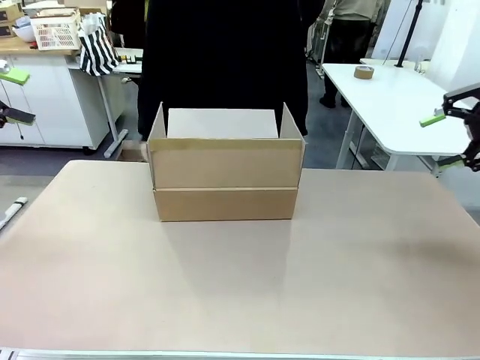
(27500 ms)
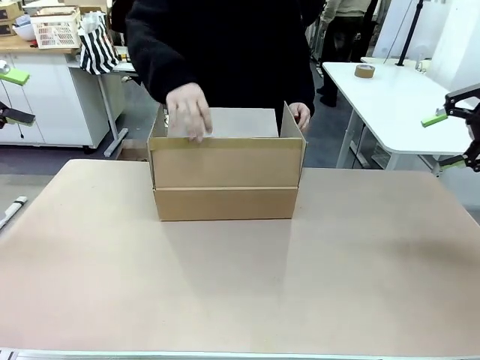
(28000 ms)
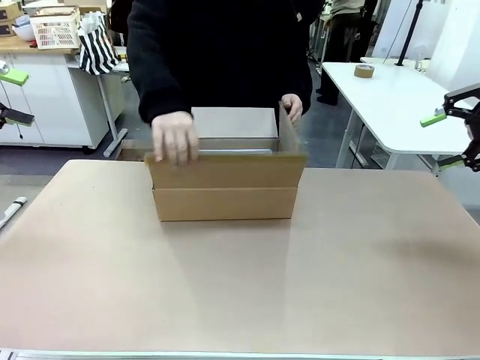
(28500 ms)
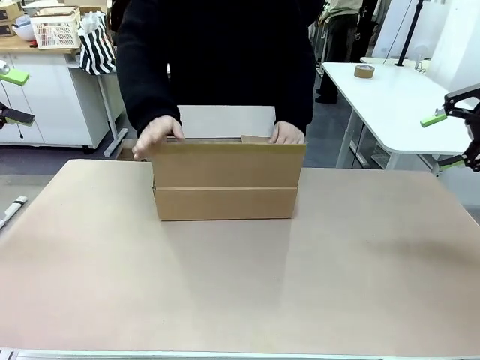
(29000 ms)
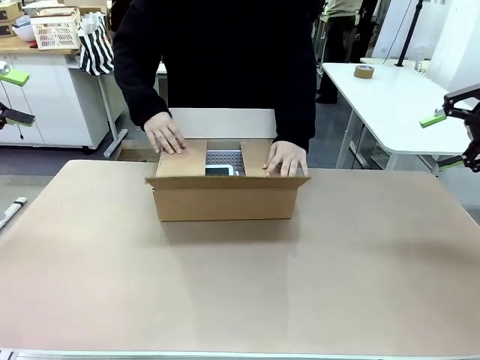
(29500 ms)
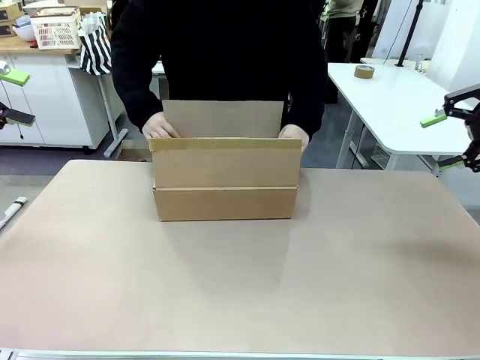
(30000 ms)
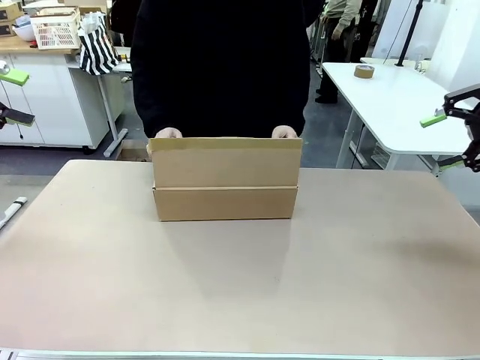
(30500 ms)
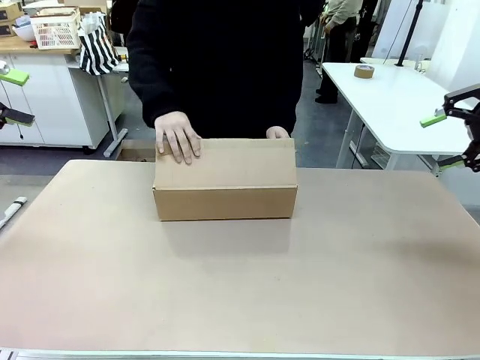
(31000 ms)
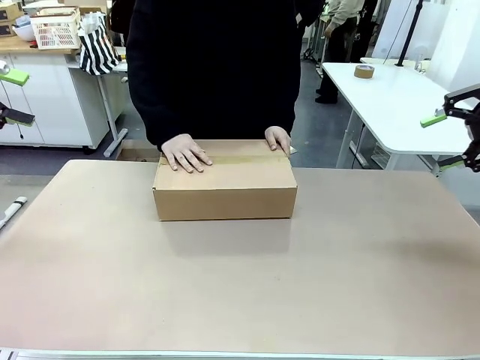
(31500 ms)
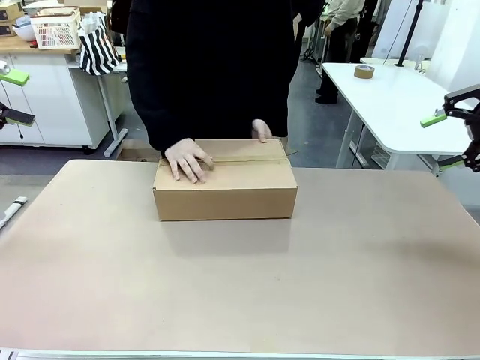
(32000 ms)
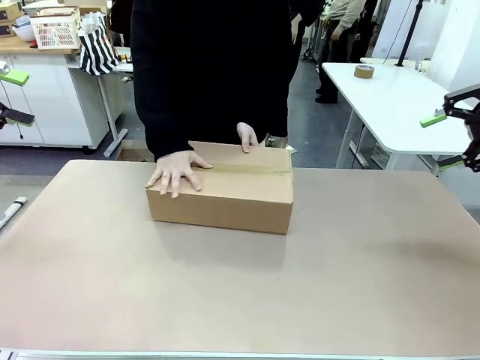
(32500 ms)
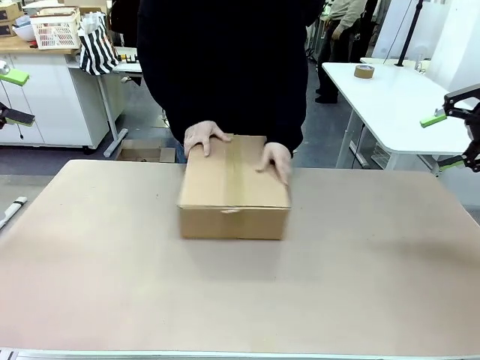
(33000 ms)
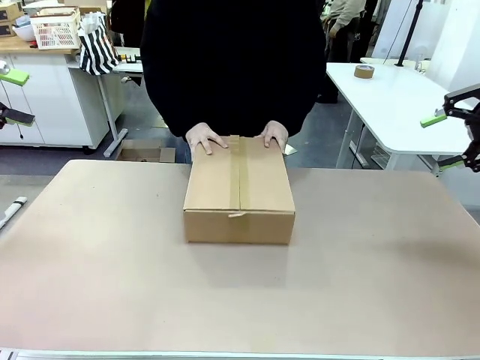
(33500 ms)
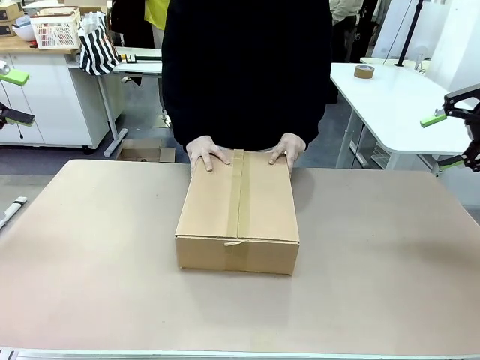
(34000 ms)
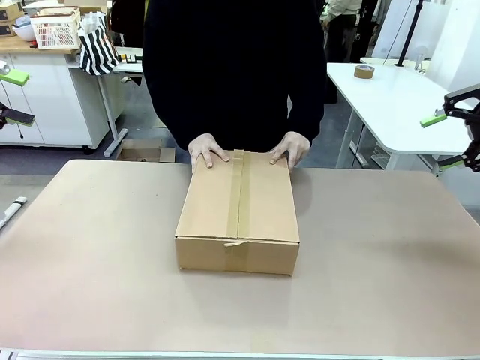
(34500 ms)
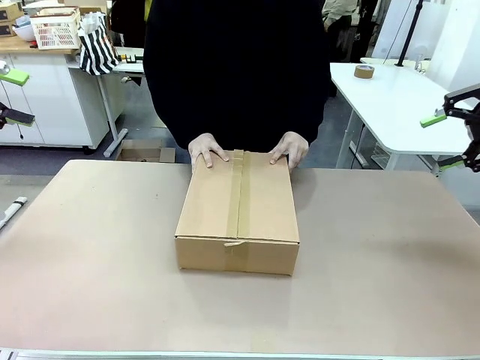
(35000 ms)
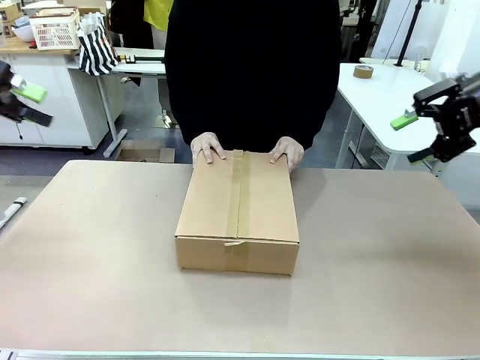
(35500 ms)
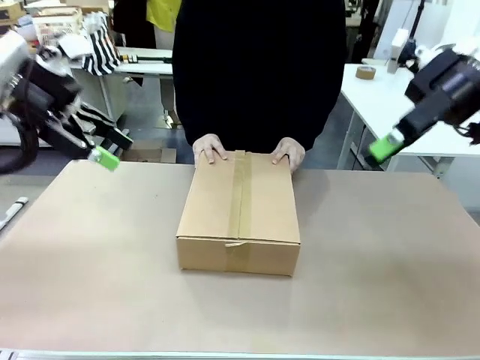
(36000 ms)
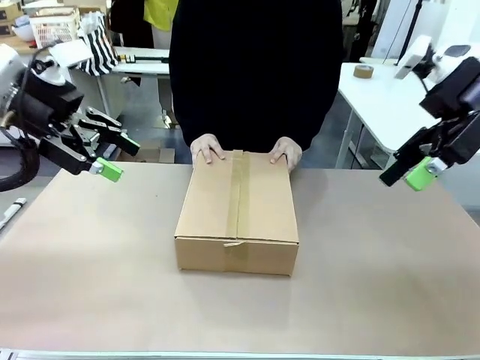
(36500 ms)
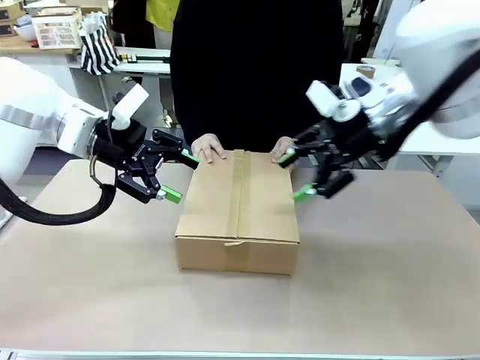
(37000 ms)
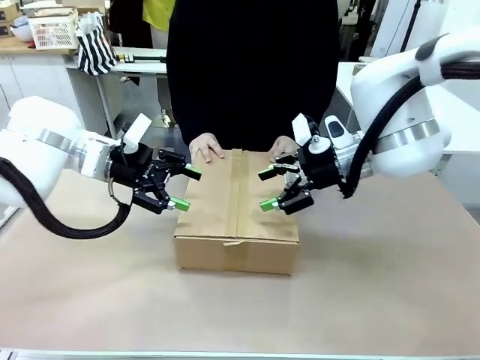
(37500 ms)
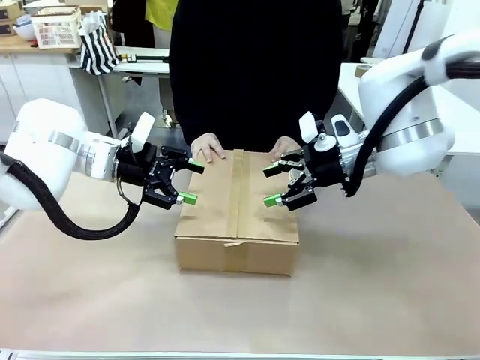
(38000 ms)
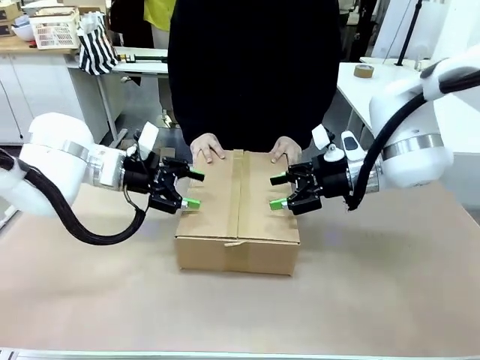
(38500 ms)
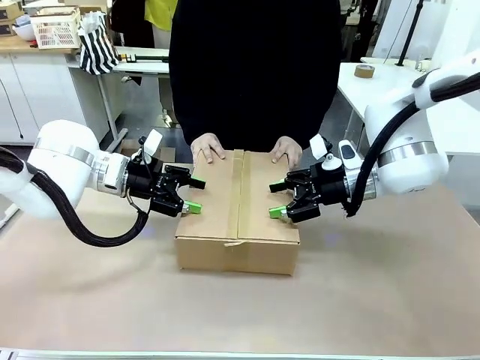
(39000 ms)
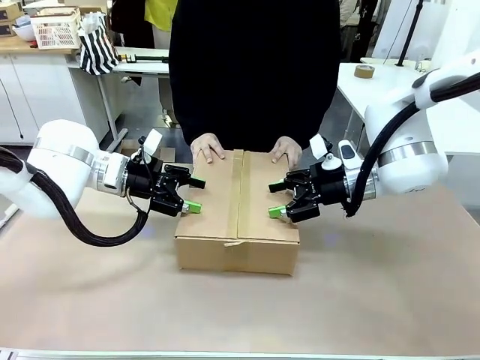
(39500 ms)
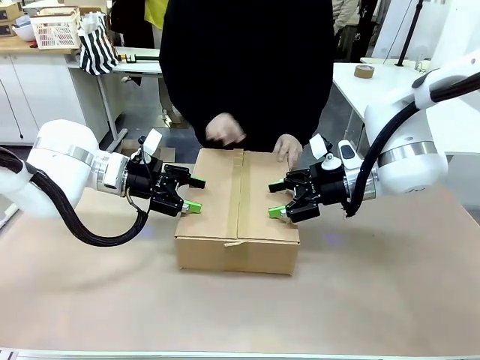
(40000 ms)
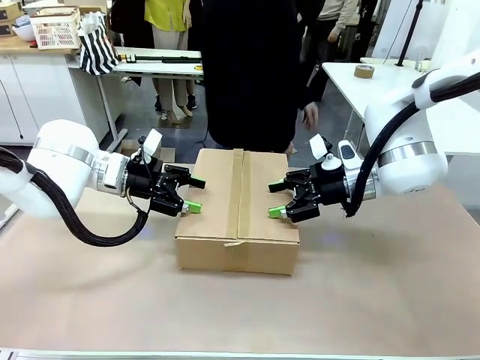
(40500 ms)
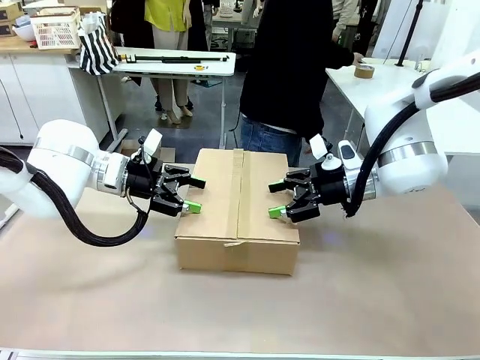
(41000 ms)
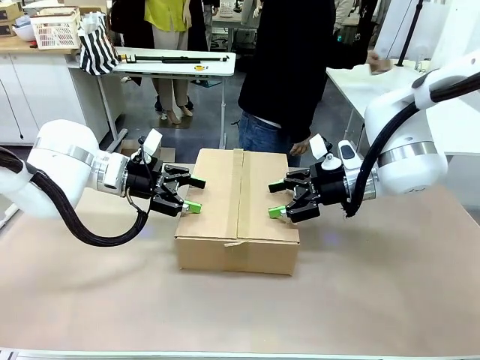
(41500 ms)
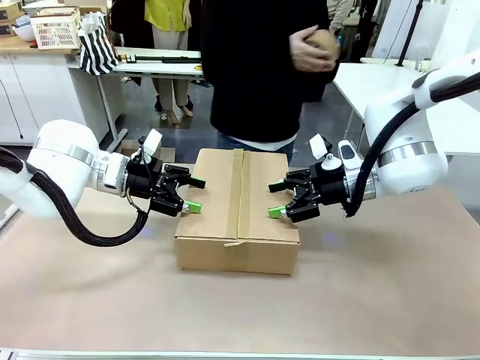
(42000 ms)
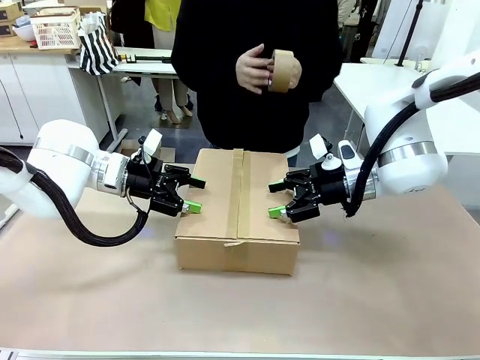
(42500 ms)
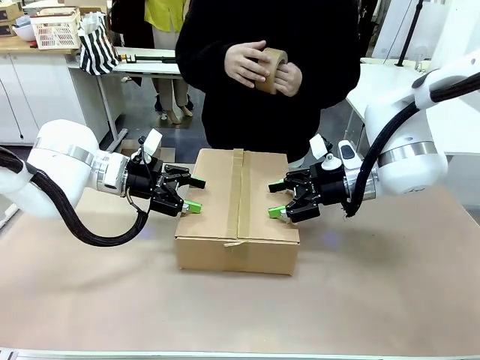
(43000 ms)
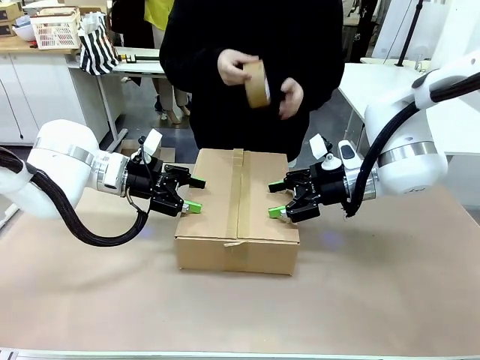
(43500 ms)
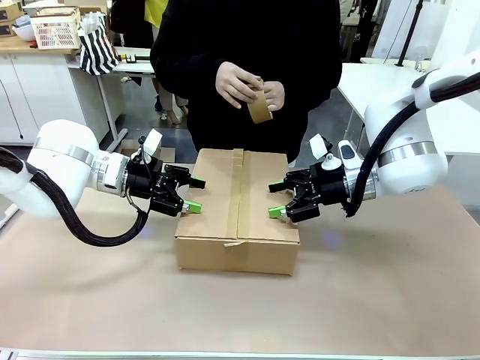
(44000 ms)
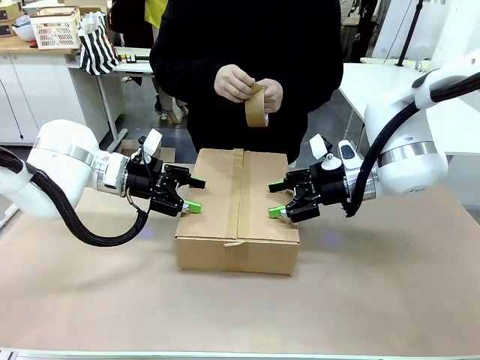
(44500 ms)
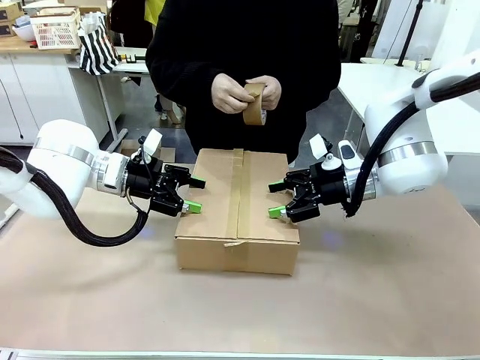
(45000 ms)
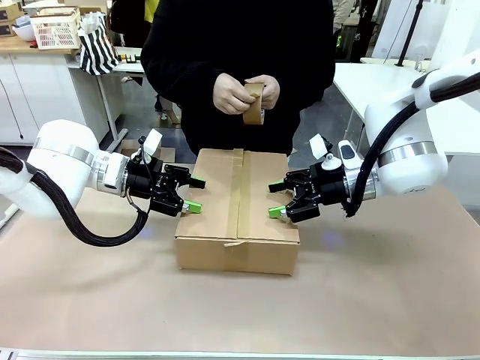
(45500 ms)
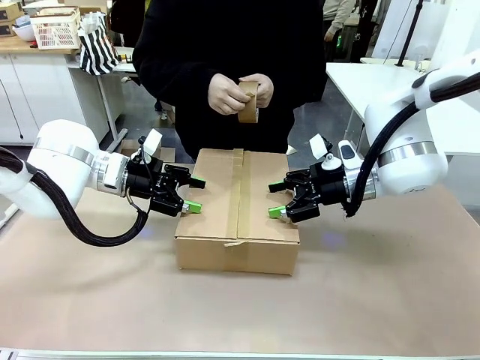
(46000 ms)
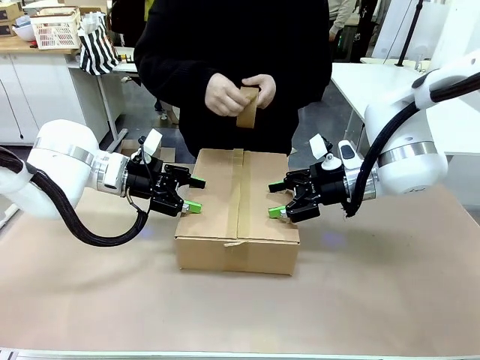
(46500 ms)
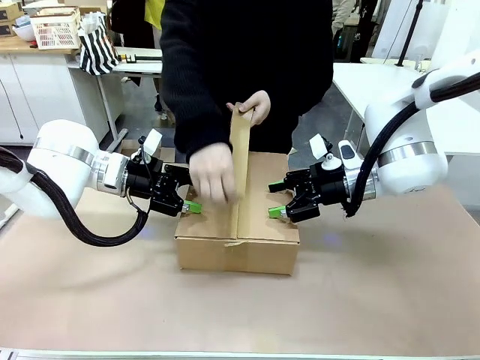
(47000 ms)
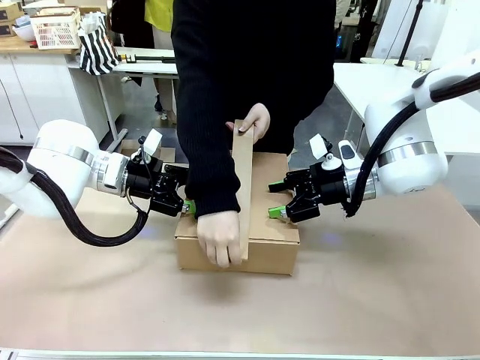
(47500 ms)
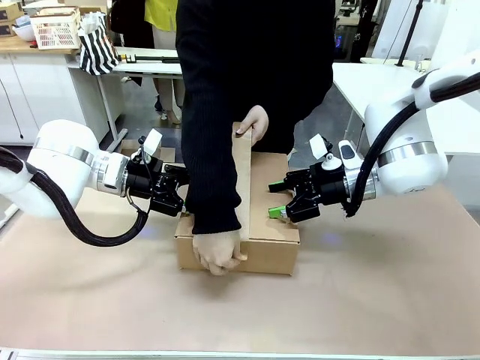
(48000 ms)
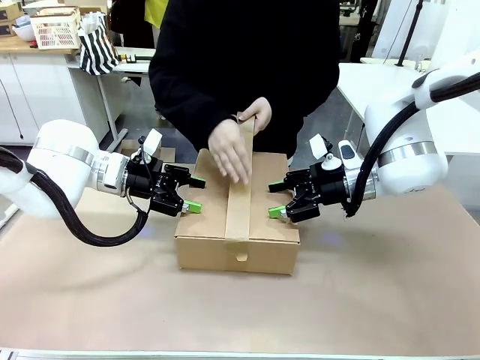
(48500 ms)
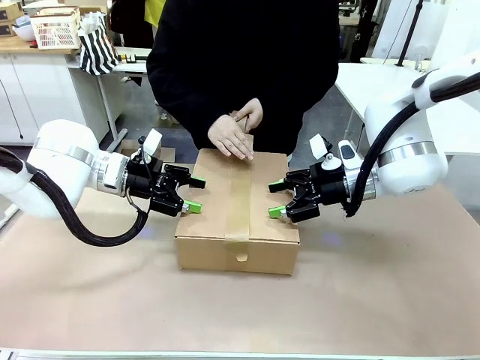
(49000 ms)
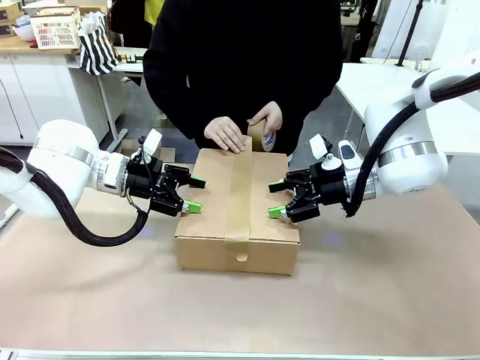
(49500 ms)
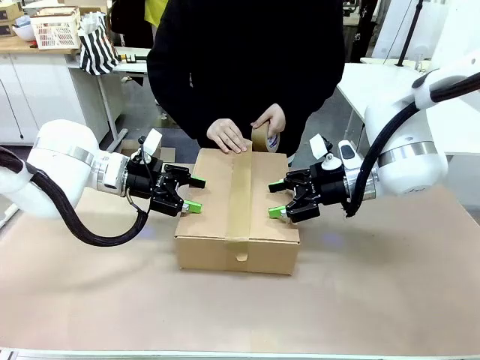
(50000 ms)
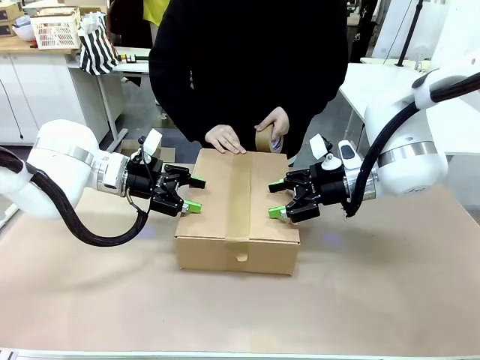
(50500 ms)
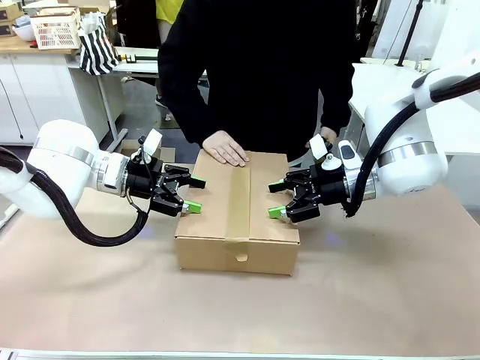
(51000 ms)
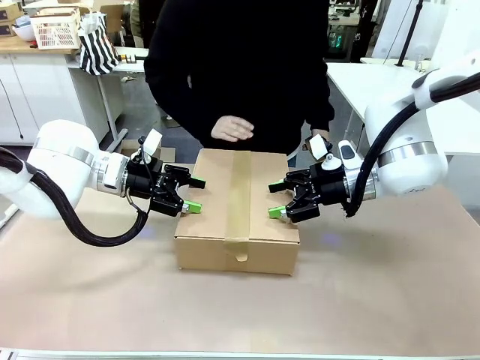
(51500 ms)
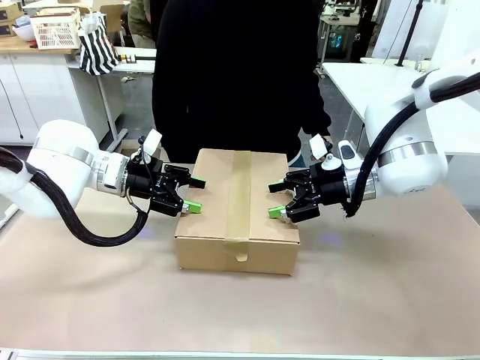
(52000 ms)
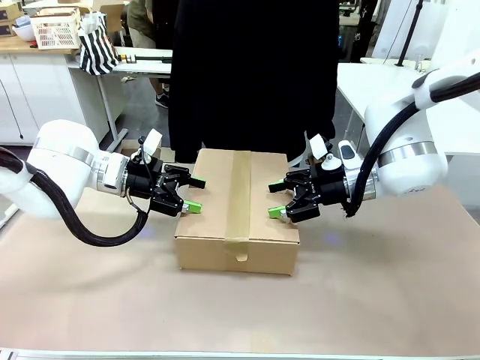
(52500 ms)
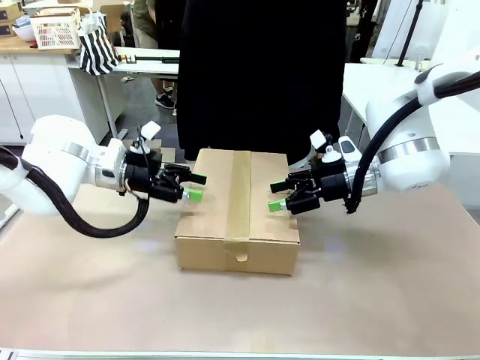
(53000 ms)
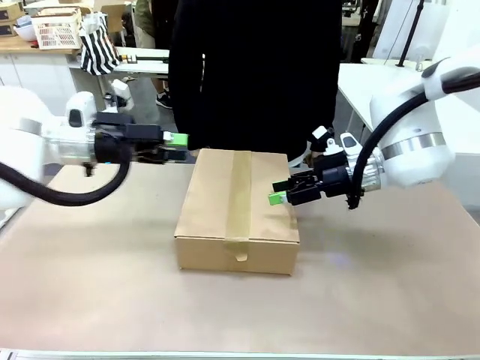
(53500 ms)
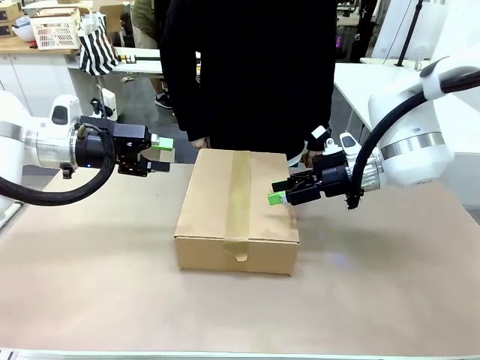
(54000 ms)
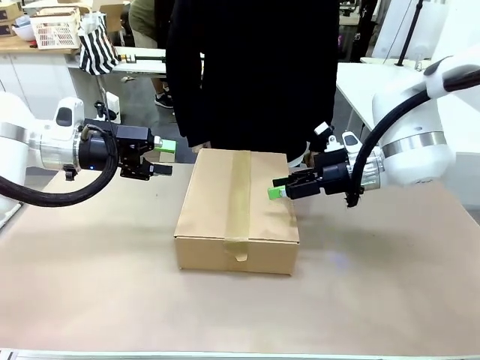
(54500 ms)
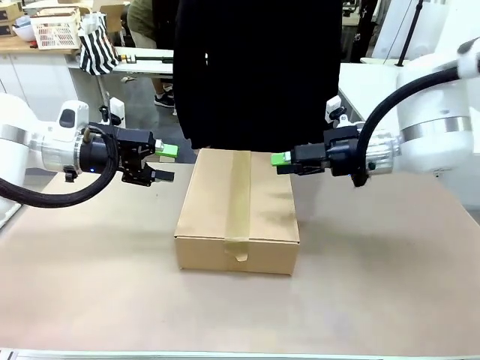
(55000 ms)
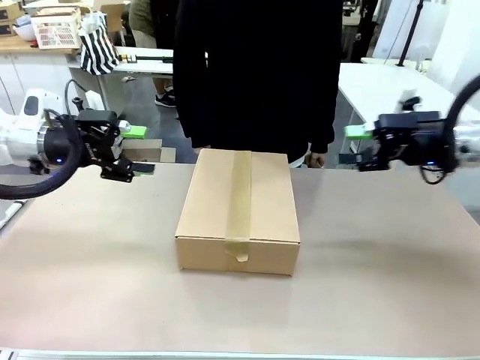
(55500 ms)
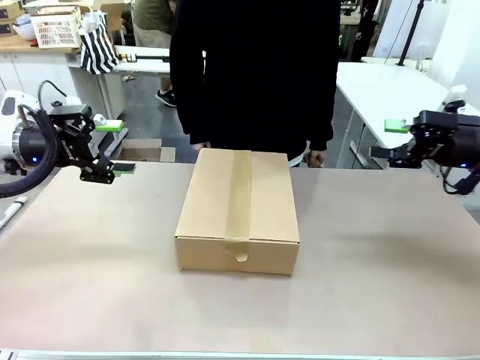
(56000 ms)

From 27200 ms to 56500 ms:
Task: Pack the gift set into the box.
Robot: Press and hold the closed box until the human finishes sealing it.
Person: The human closes the box and rotates the box by 90 degrees. The human picks up the paper tape from the human table and packs the box.
